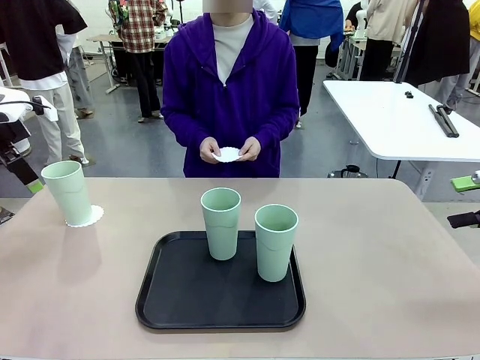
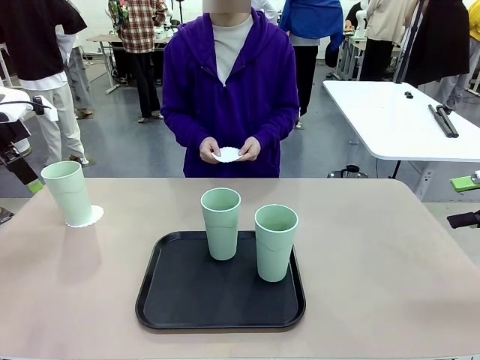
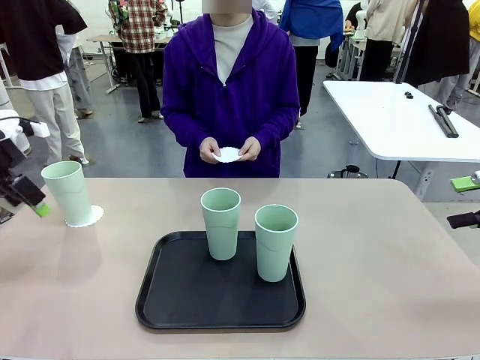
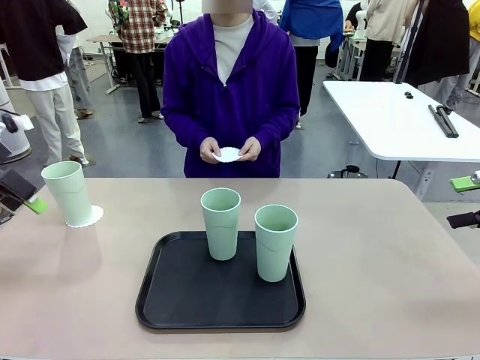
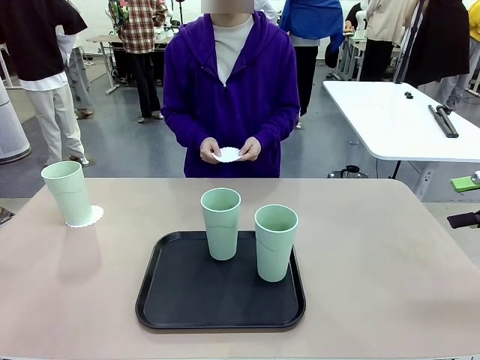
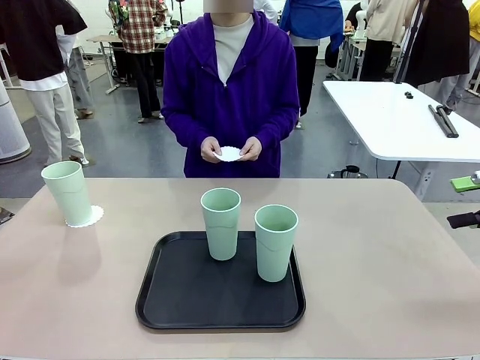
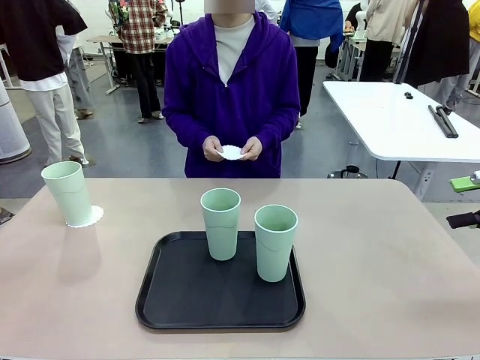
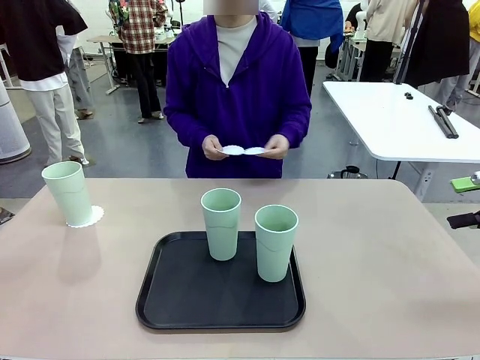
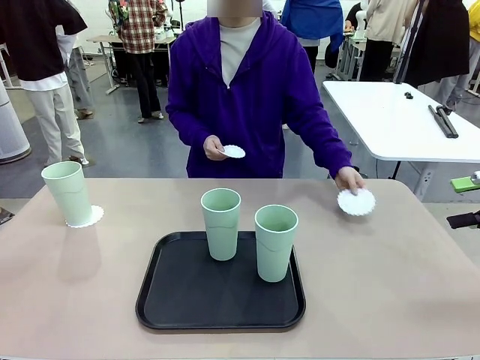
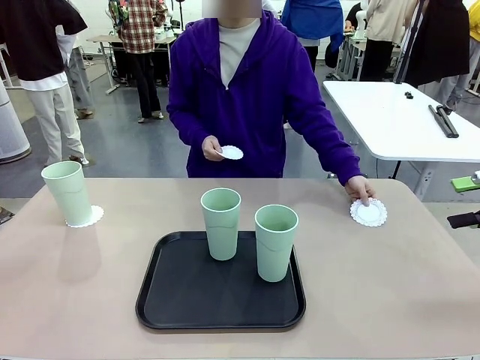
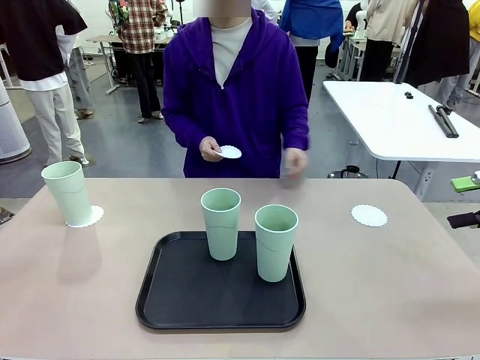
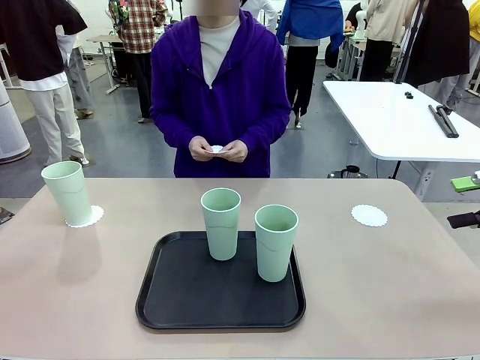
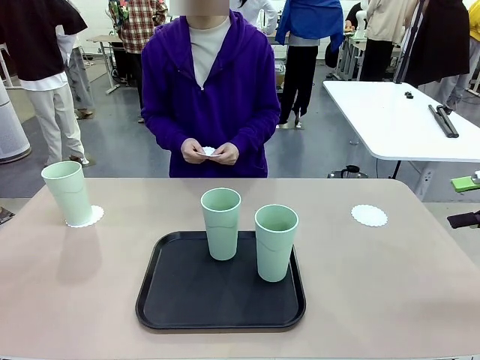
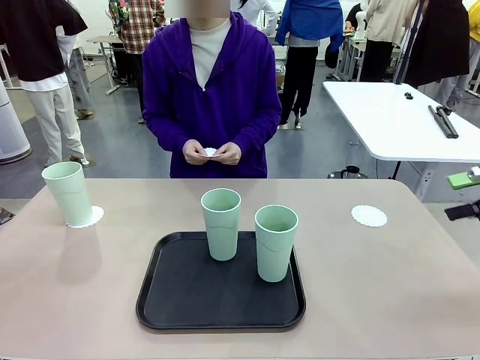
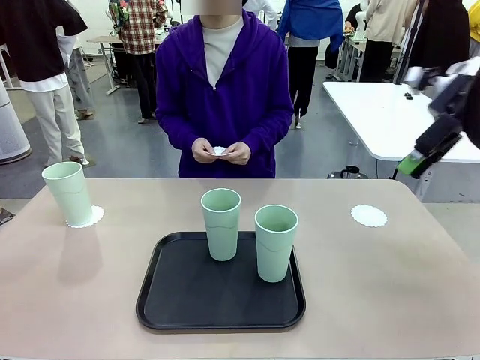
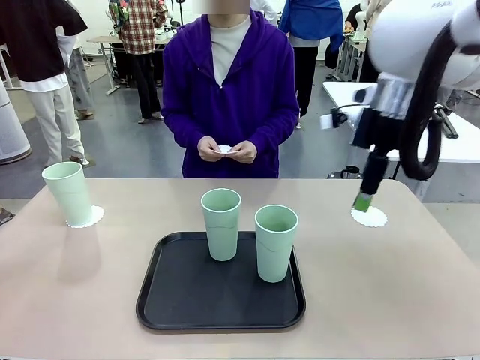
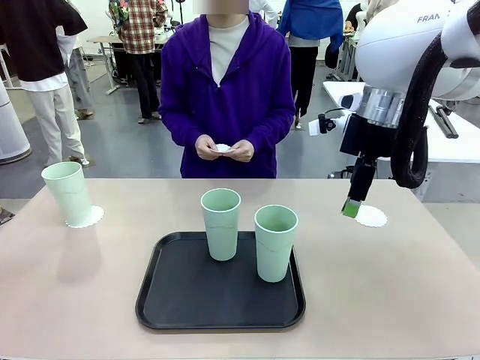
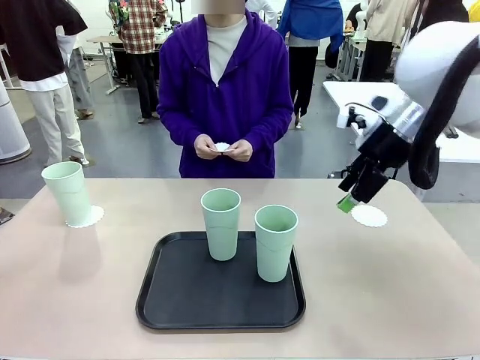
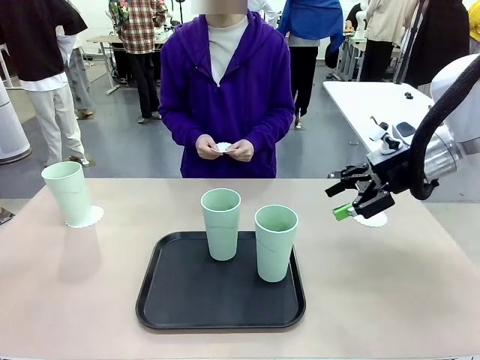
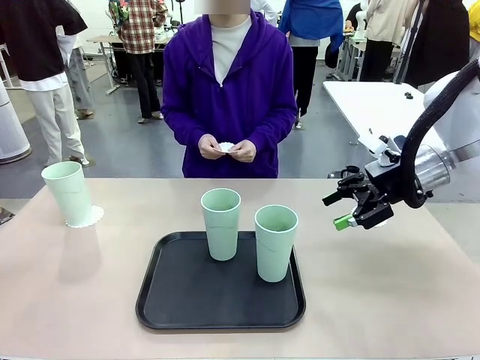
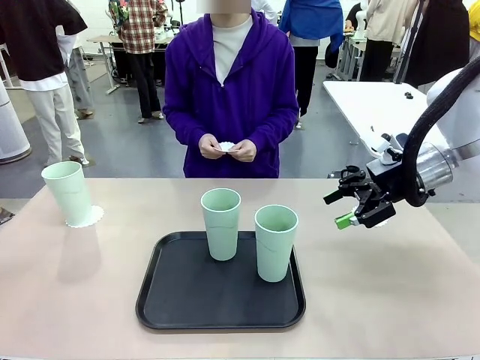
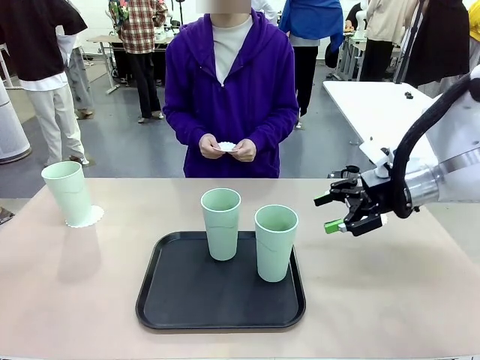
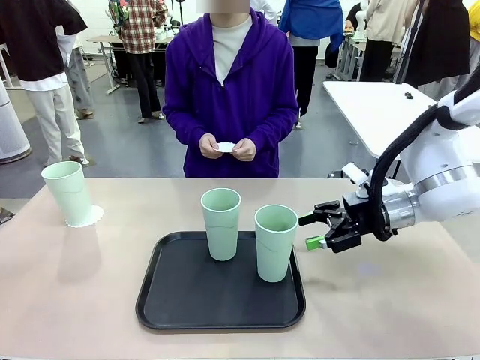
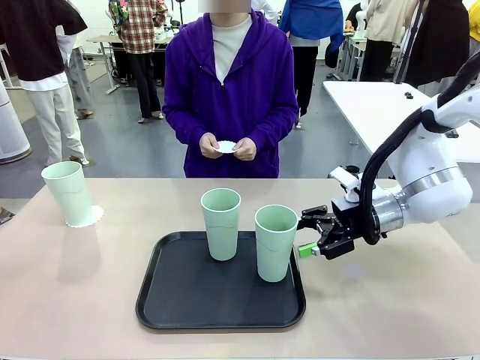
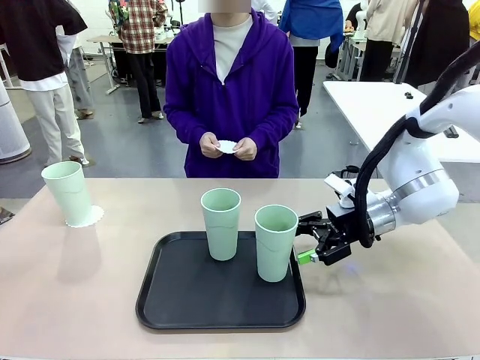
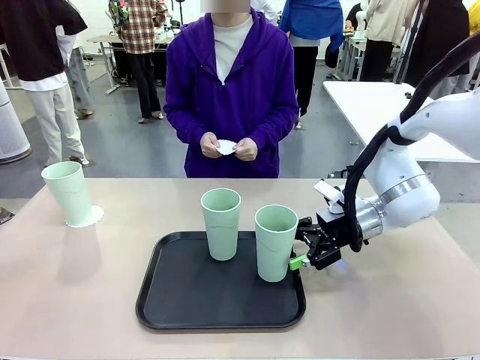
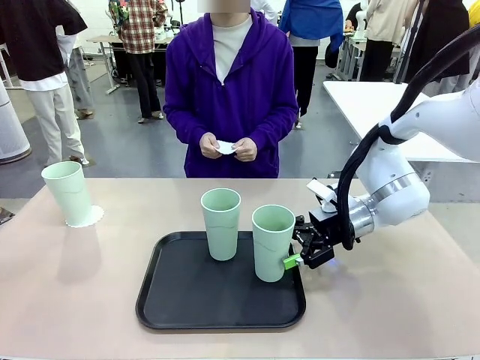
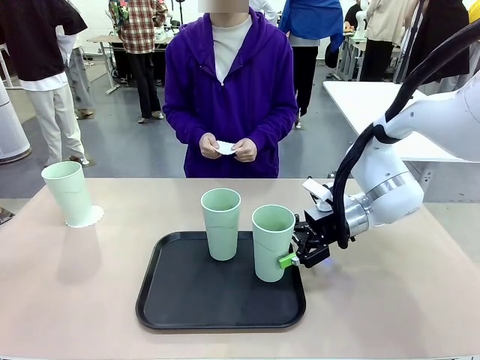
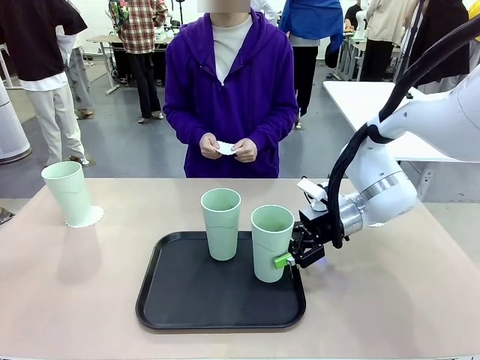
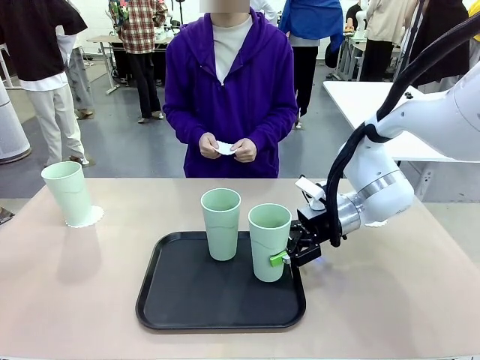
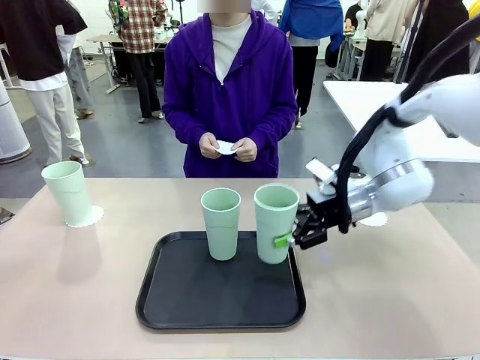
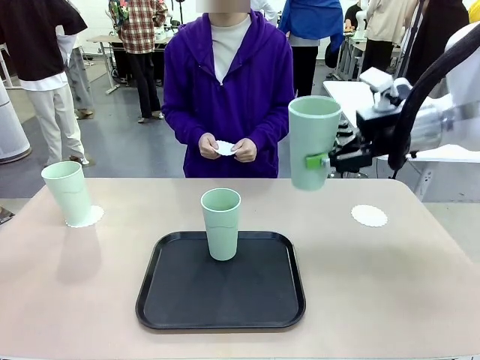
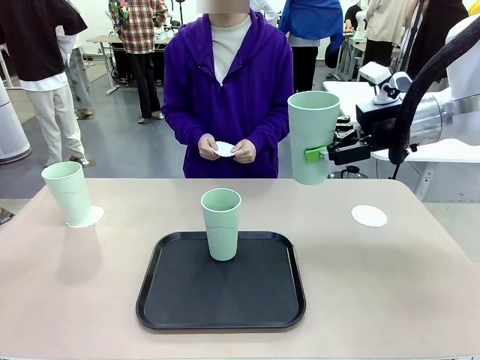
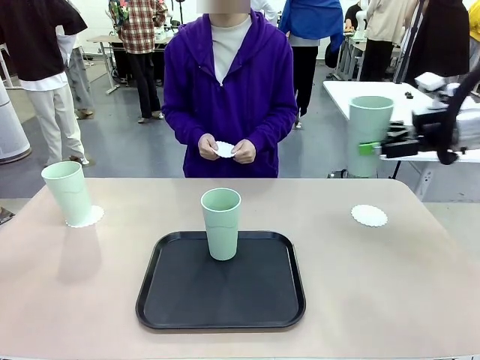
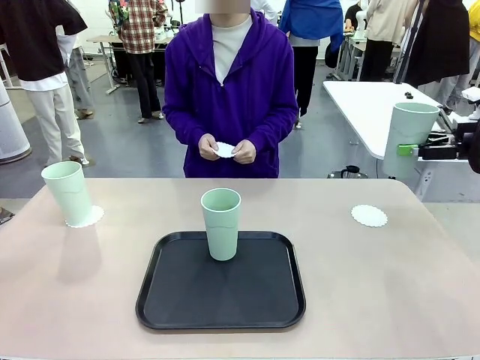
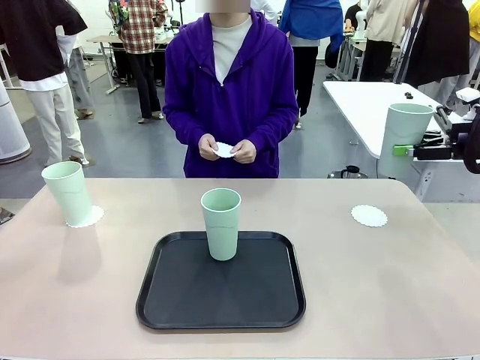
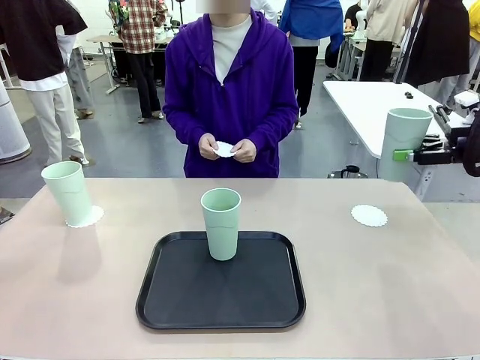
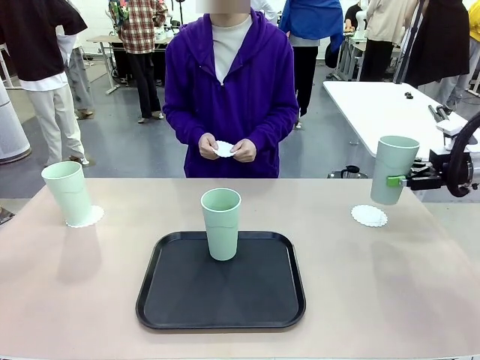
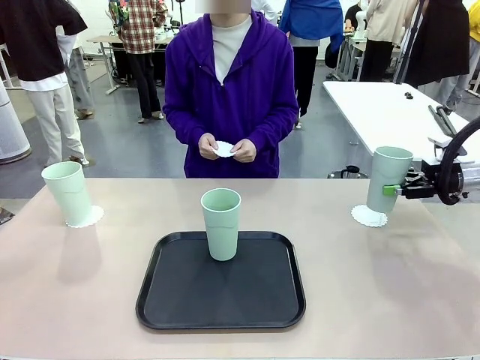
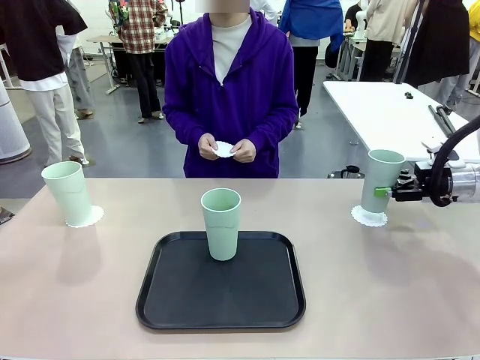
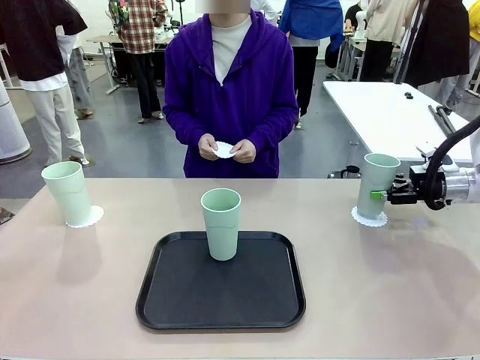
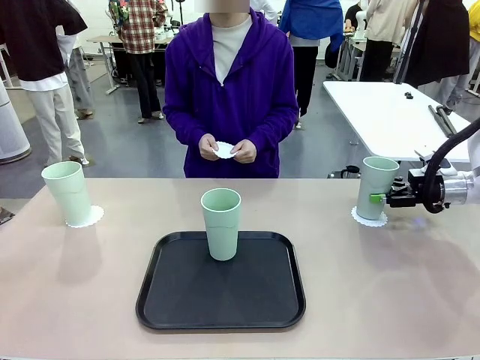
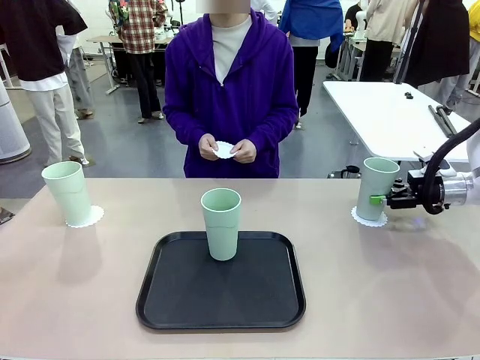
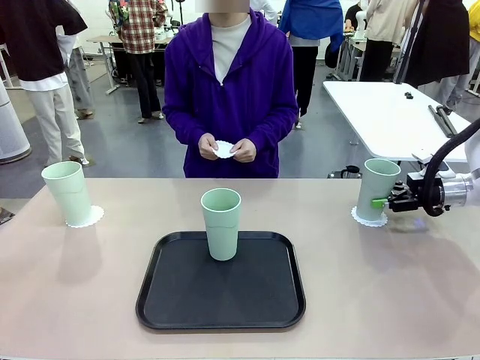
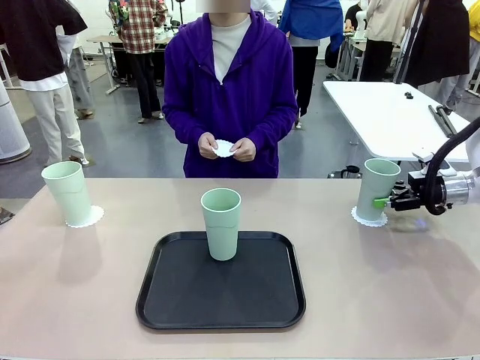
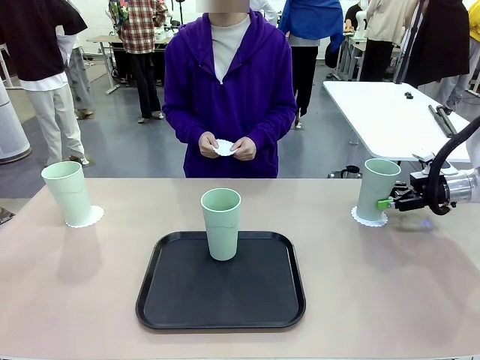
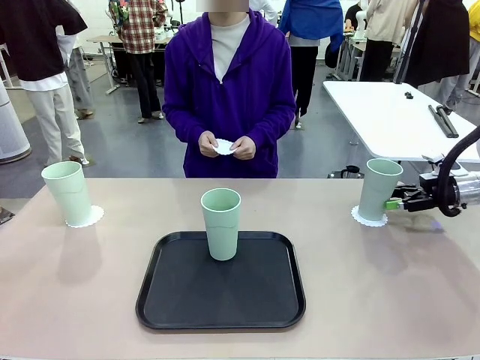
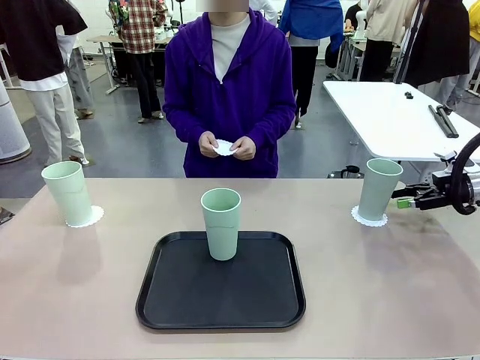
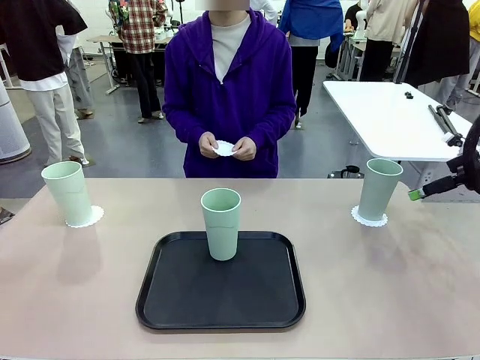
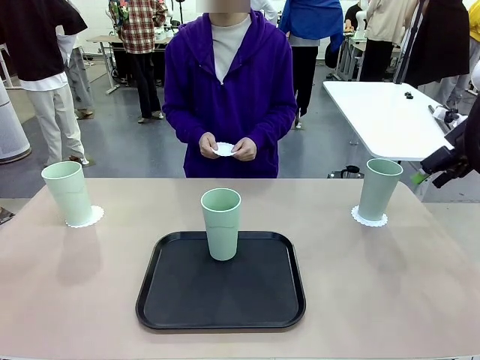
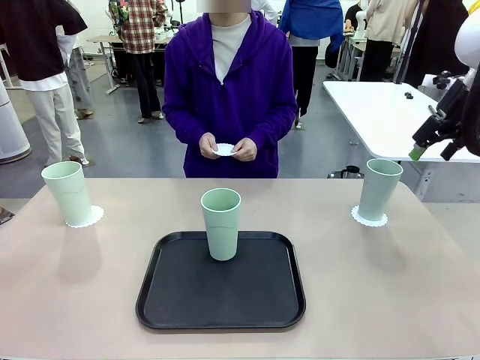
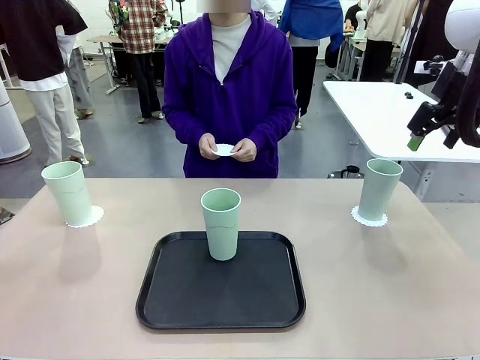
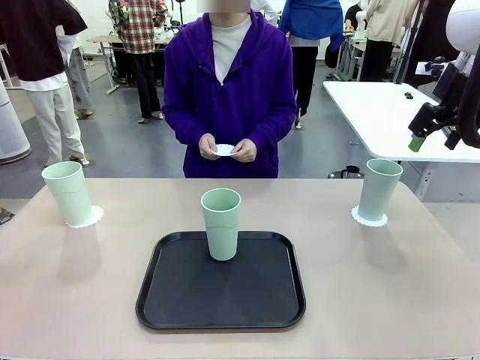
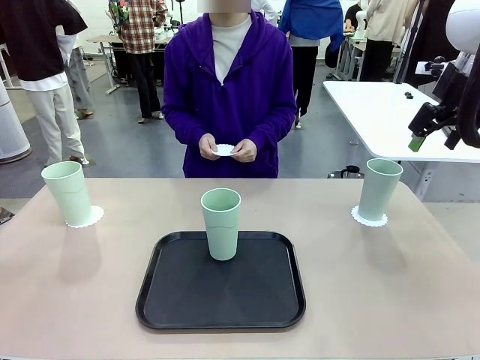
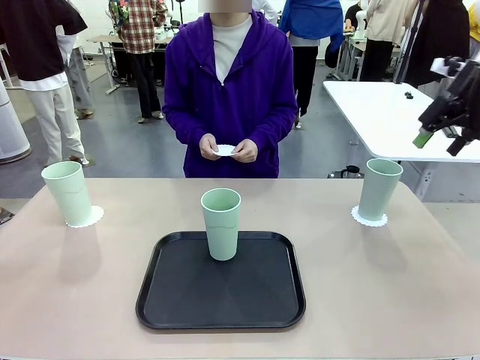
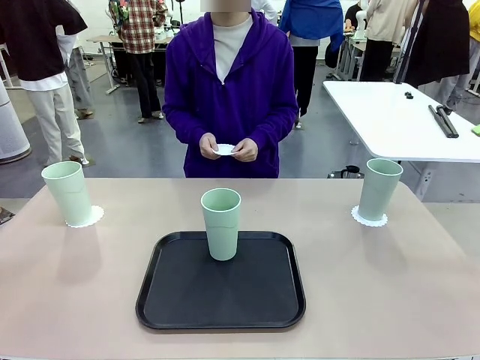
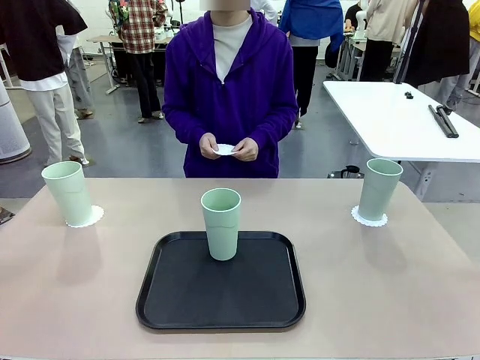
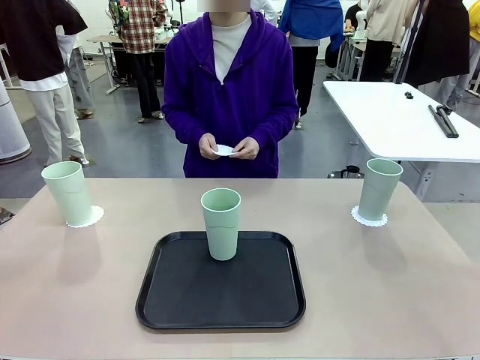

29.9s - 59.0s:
Task: Place coasters on the table and set cups on them.
Robot: Take one Reusable plastic cup from the Flat Tray and place it on a coaster set by the human.
